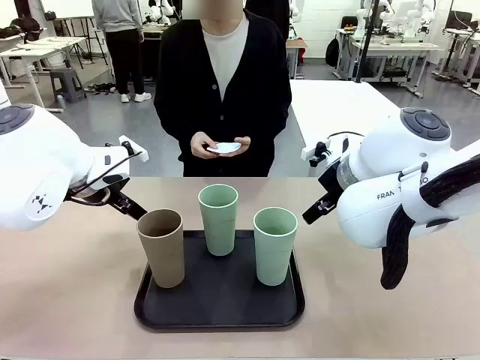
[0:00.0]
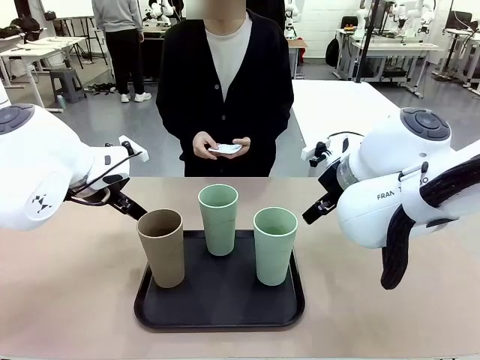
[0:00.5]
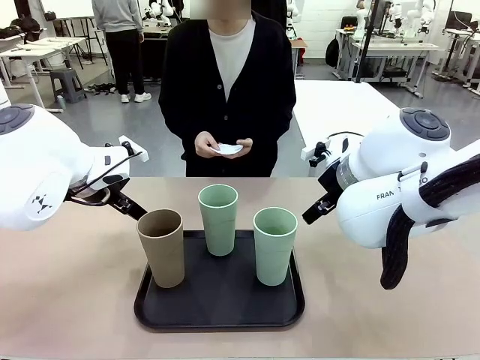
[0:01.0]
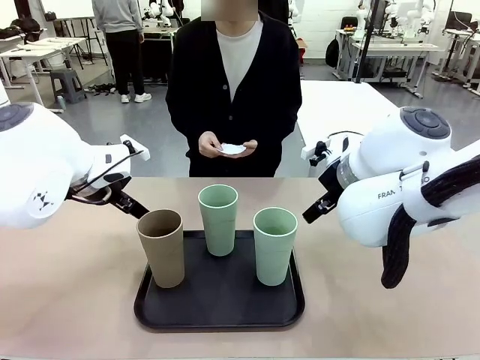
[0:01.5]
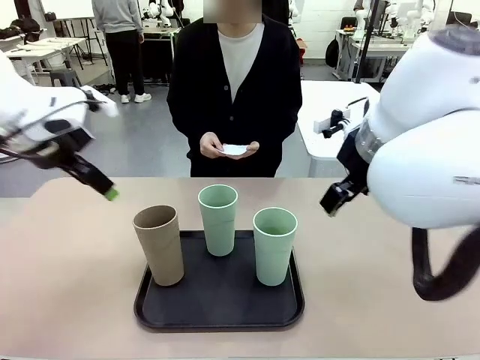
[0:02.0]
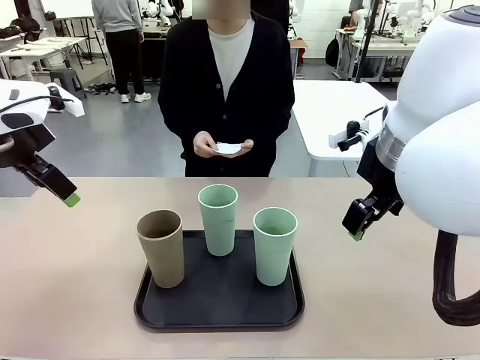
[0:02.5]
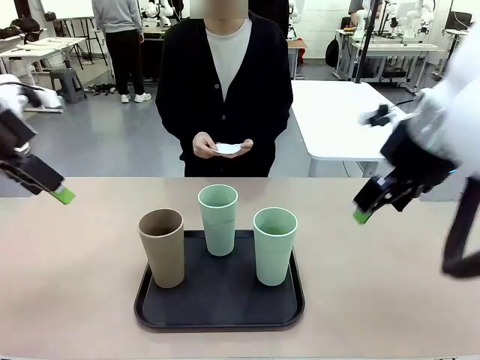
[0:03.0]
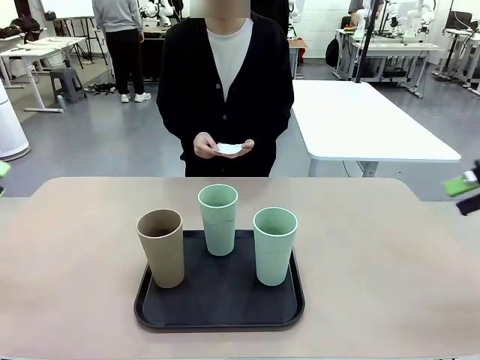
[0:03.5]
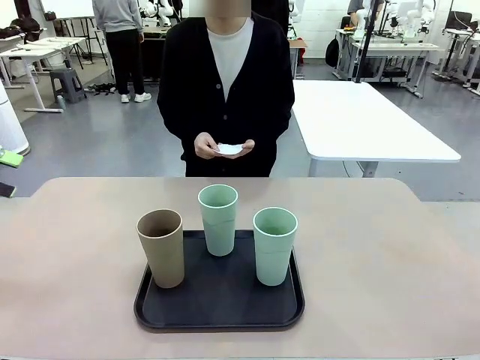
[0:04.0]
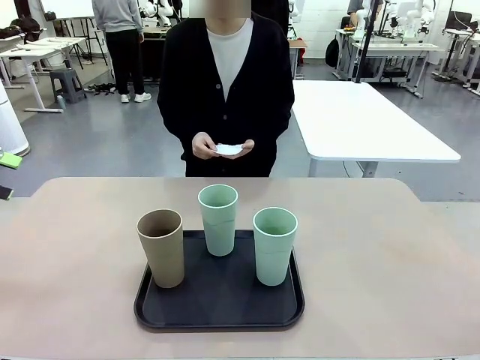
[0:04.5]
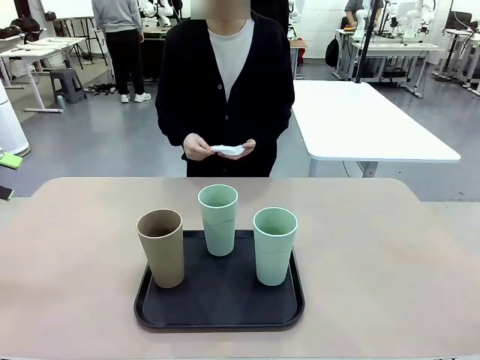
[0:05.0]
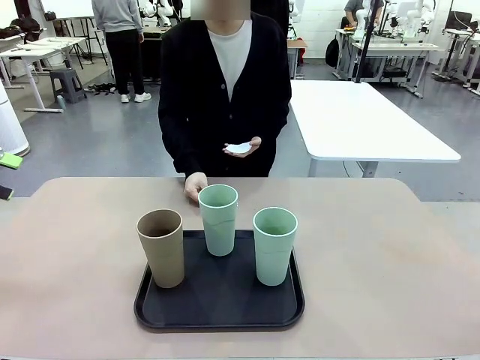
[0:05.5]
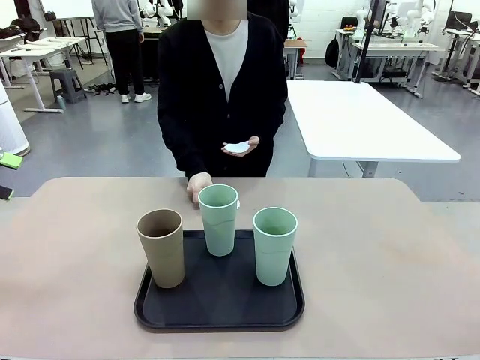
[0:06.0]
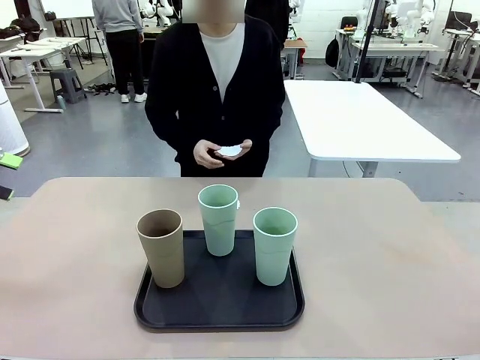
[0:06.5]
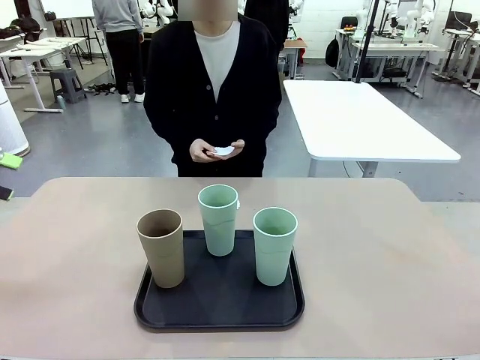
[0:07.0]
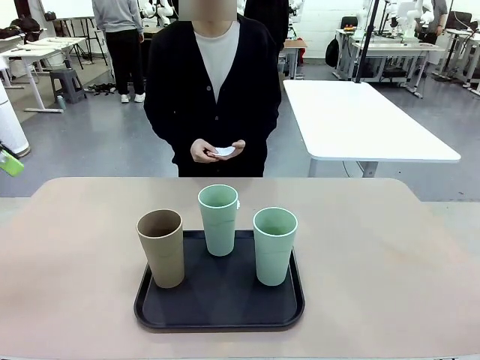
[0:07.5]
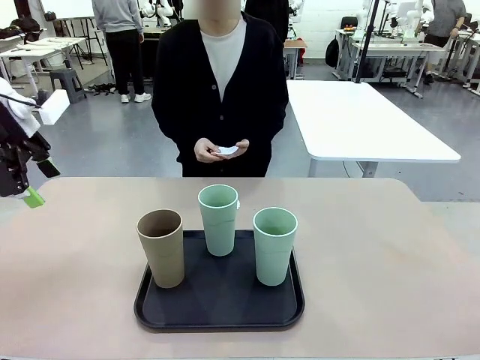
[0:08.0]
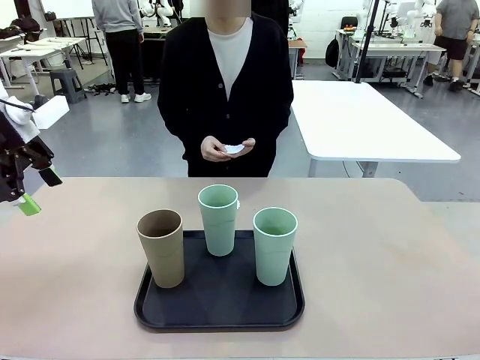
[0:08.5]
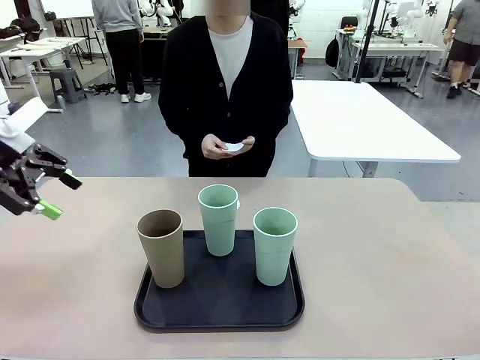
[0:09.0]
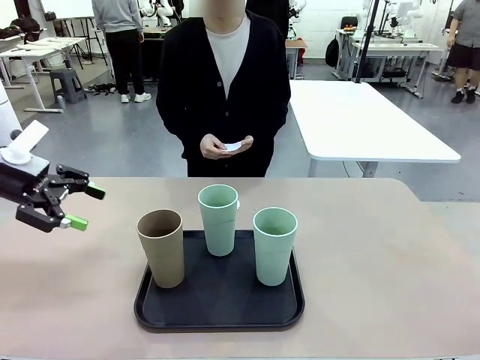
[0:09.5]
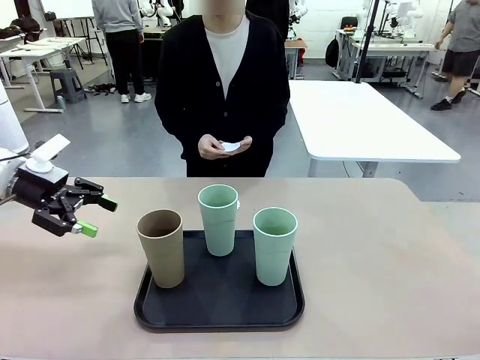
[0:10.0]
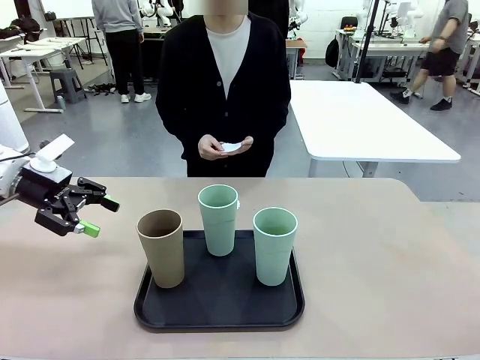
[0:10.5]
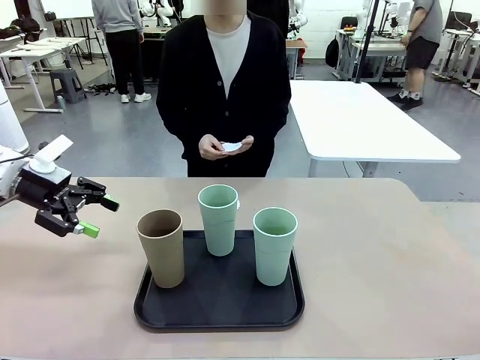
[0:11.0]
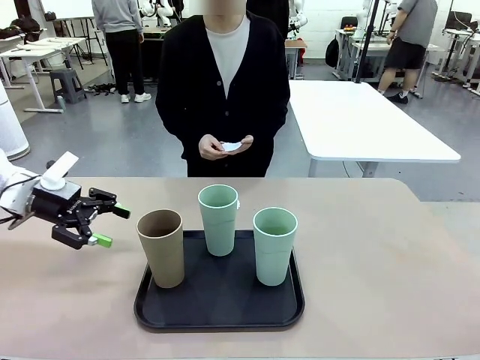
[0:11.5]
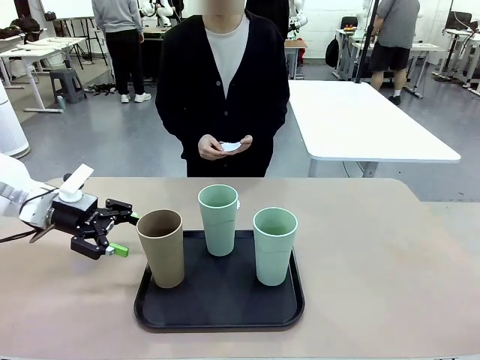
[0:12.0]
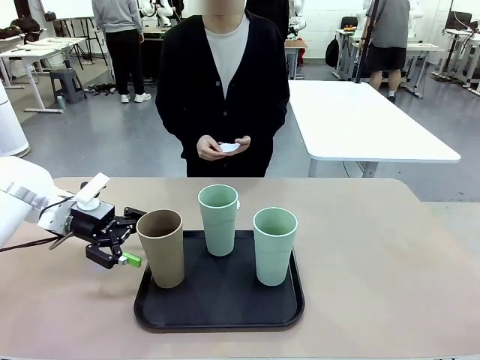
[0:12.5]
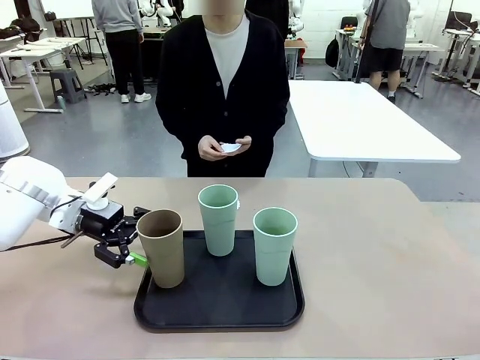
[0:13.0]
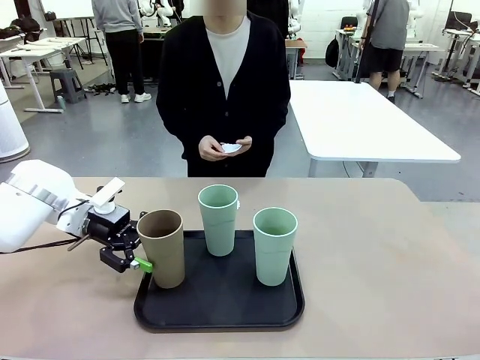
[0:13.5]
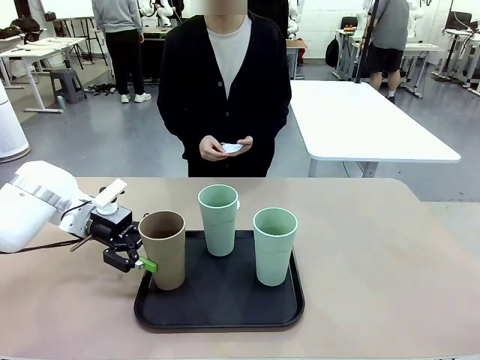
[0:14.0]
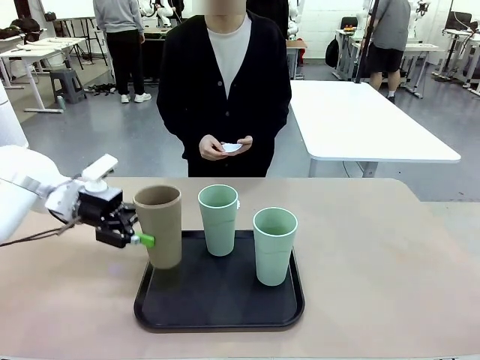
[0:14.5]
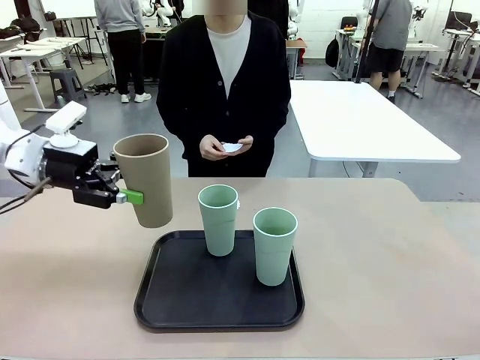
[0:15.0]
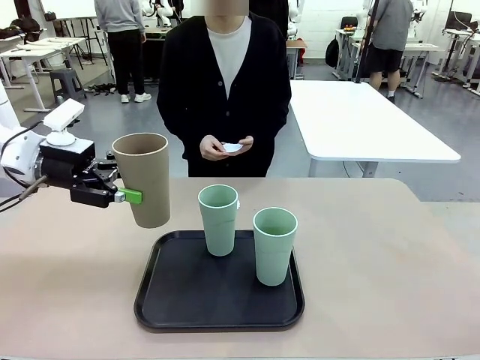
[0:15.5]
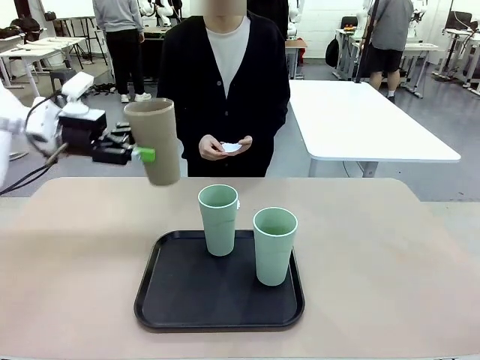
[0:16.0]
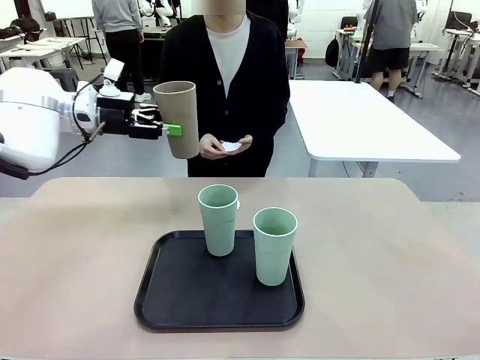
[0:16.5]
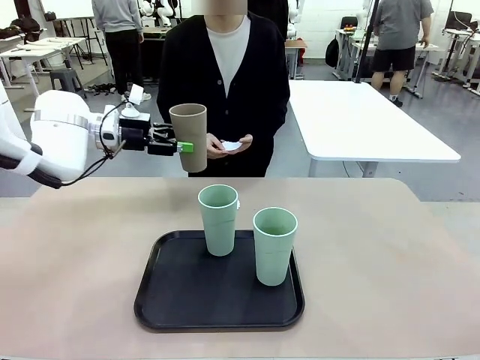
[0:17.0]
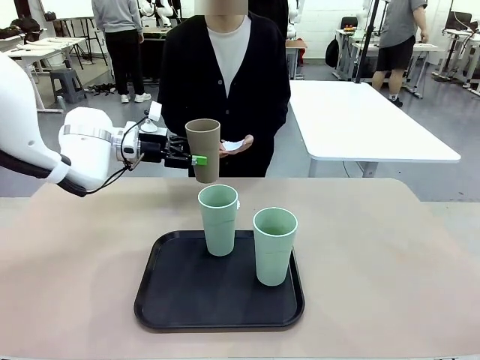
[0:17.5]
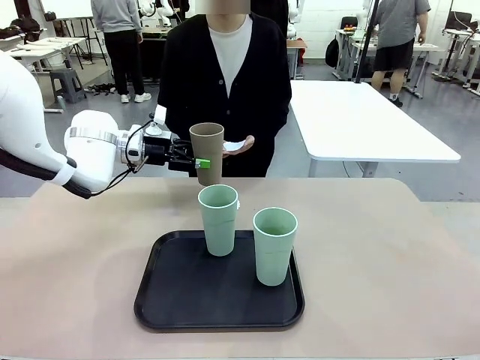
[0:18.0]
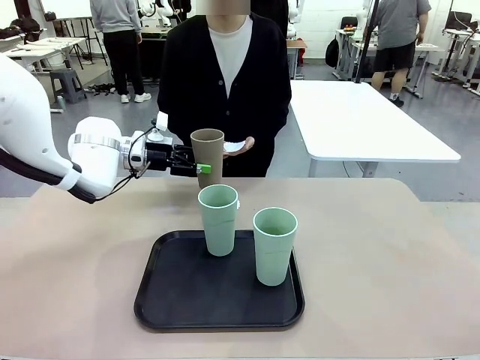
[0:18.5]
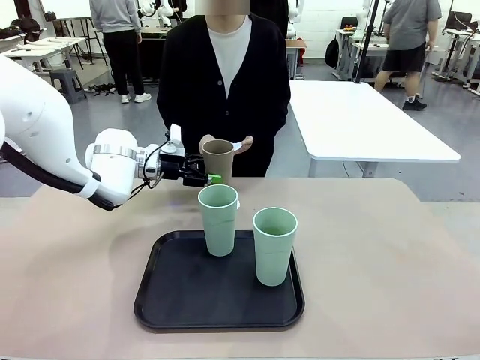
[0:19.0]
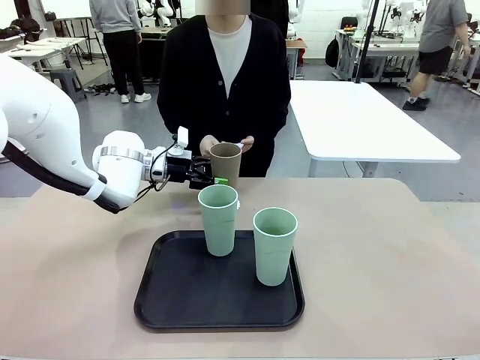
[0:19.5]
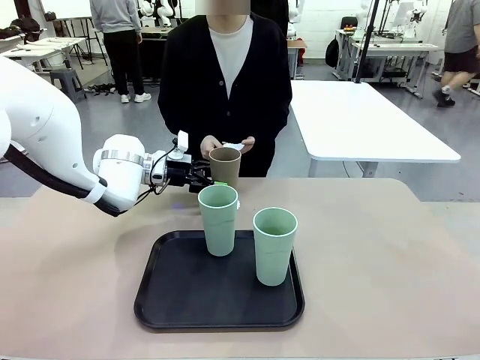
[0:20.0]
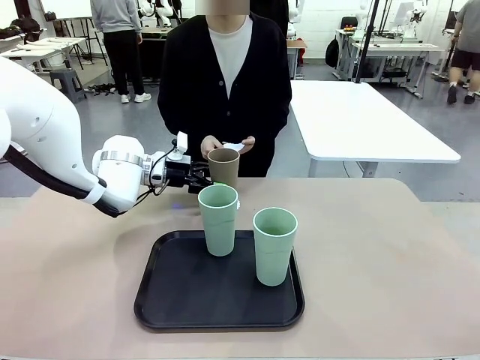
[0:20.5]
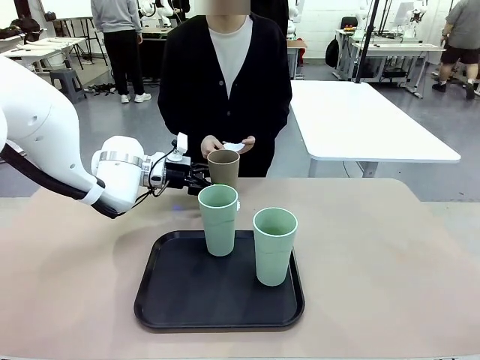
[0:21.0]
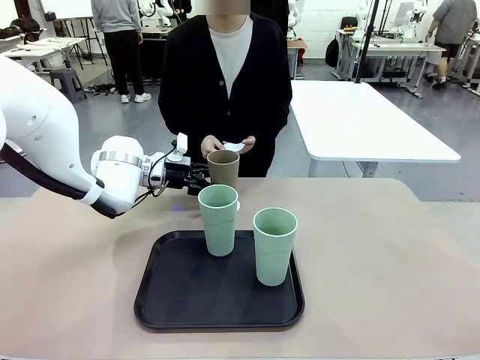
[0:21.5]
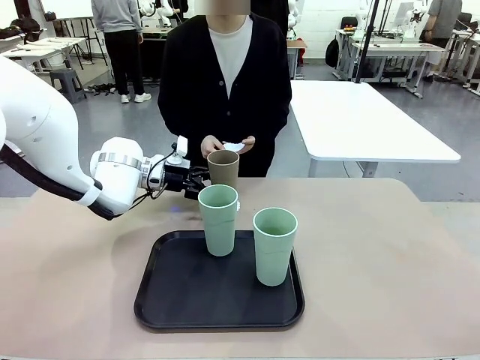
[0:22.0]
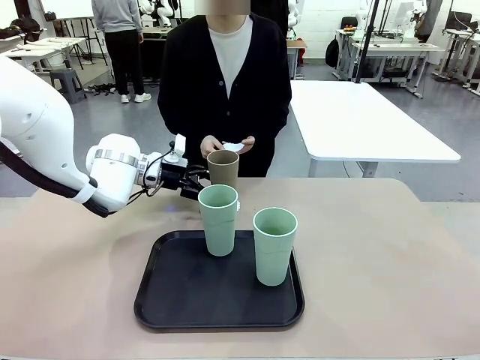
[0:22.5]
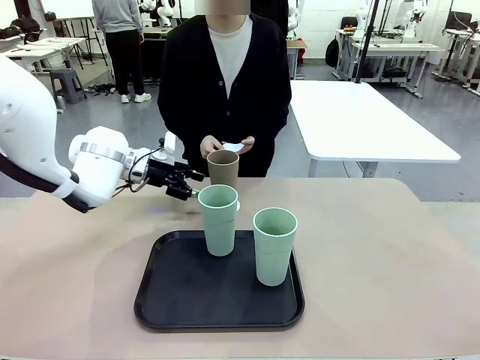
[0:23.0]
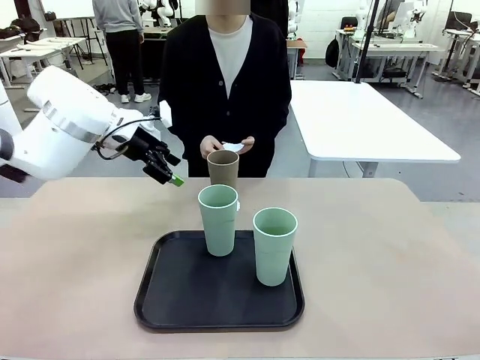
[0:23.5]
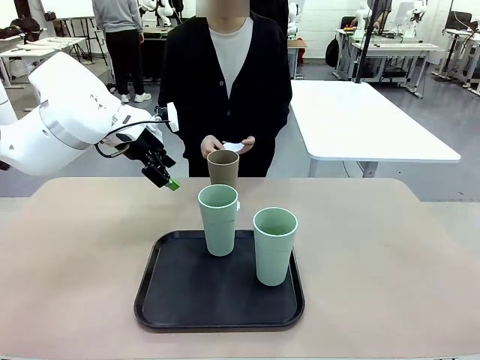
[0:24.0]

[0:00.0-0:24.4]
Task: Place coasters on the table and set cups on them.
Robot: Pick up one Reusable plastic cup and place it on a coaster set by the human.
Person: Place one coaster in any one of the three lower areas of the robot table (left, center, or right). Place one coaster in one of the two areas excluding the previously selected area.
